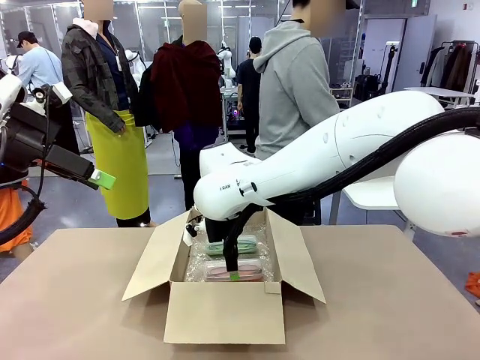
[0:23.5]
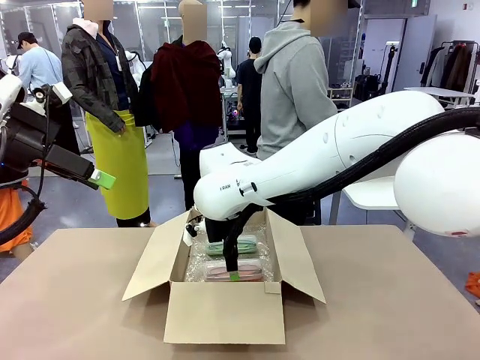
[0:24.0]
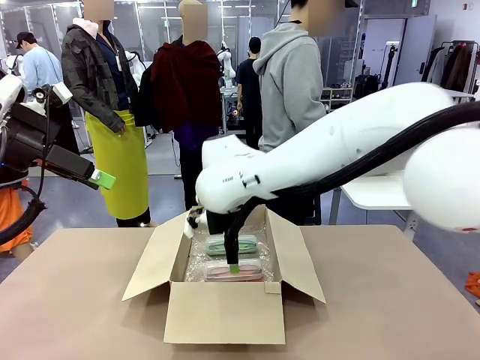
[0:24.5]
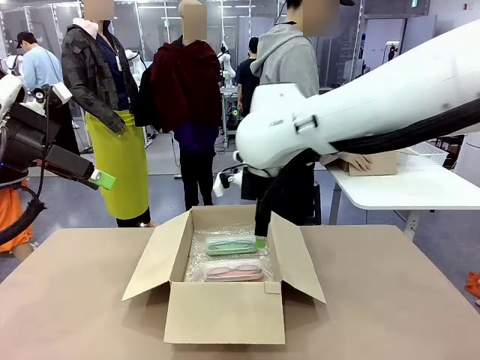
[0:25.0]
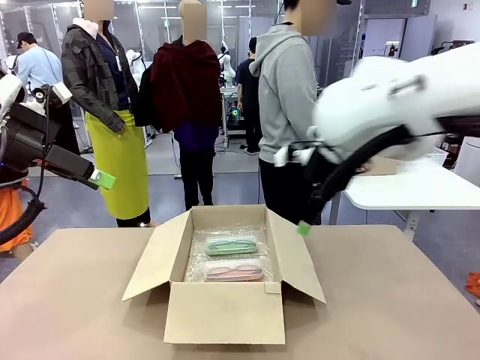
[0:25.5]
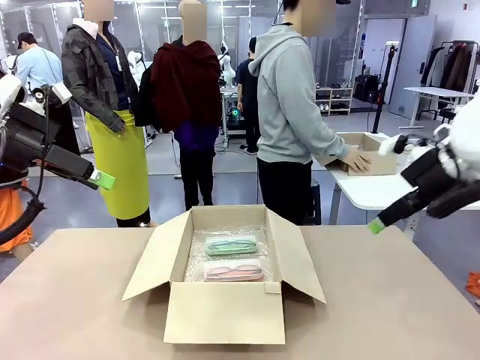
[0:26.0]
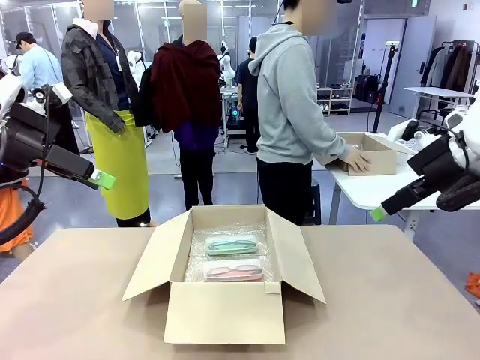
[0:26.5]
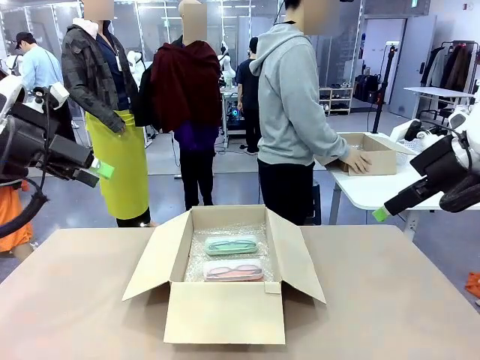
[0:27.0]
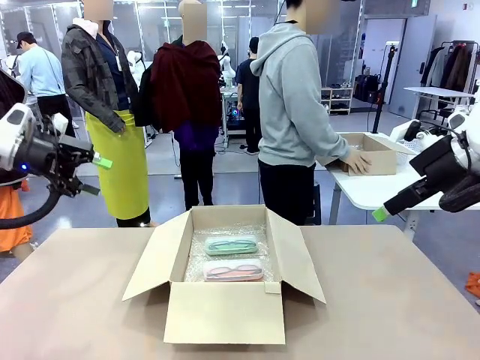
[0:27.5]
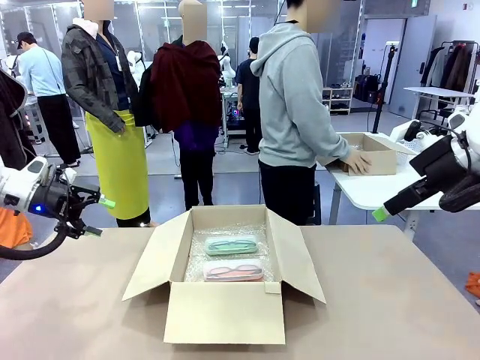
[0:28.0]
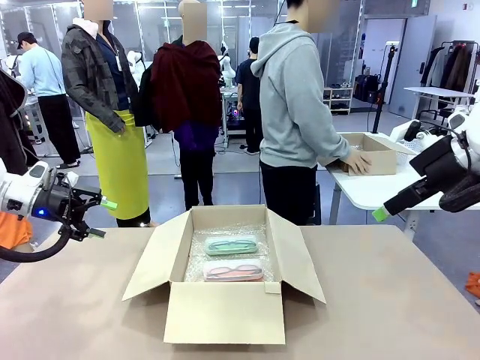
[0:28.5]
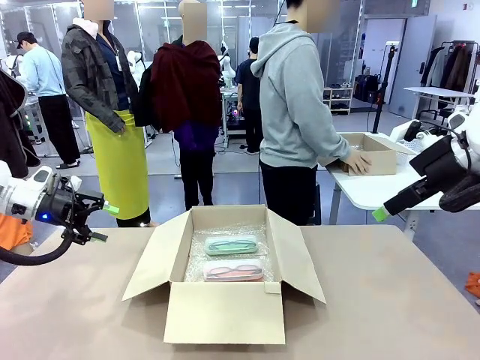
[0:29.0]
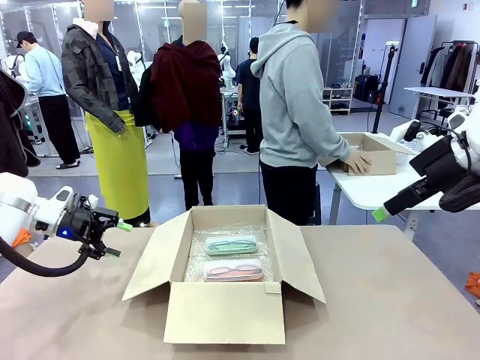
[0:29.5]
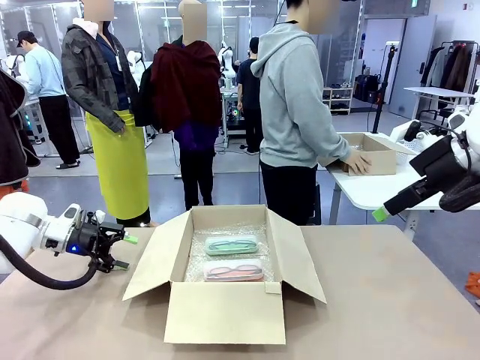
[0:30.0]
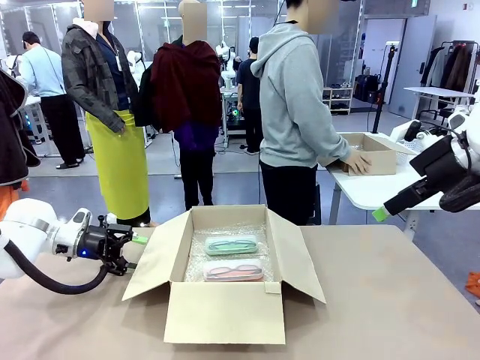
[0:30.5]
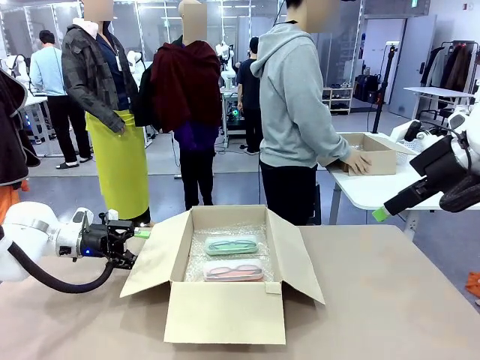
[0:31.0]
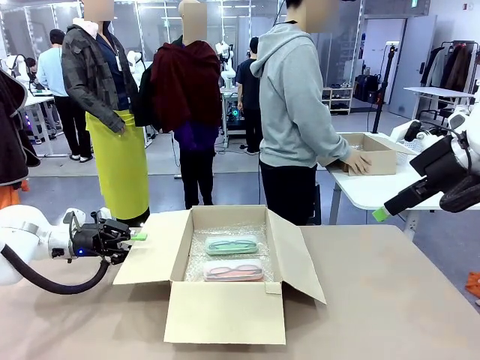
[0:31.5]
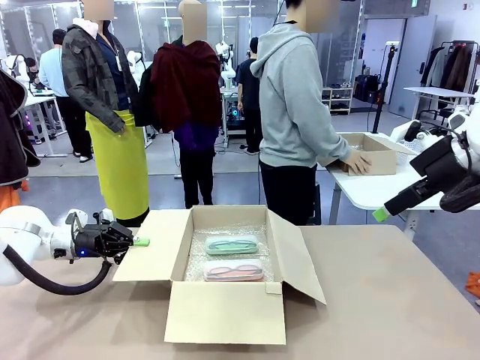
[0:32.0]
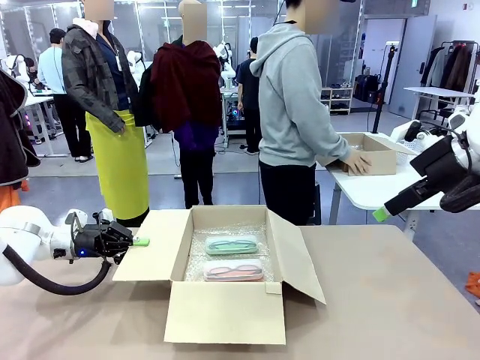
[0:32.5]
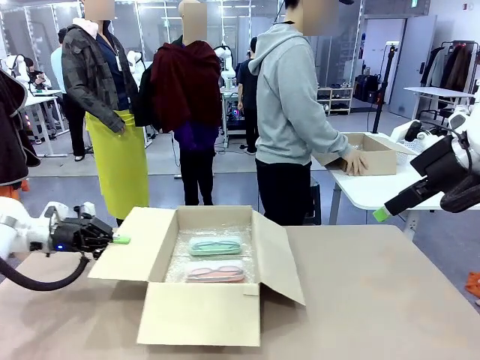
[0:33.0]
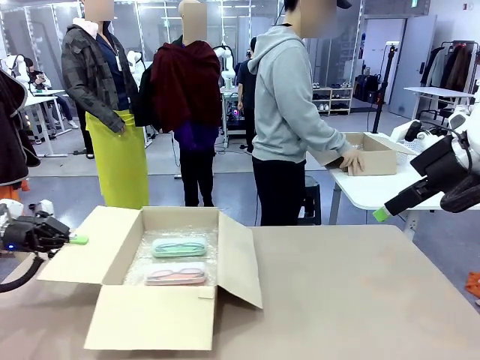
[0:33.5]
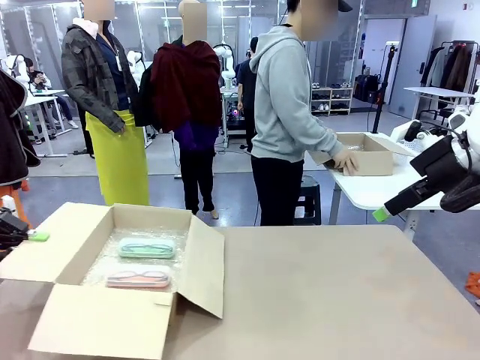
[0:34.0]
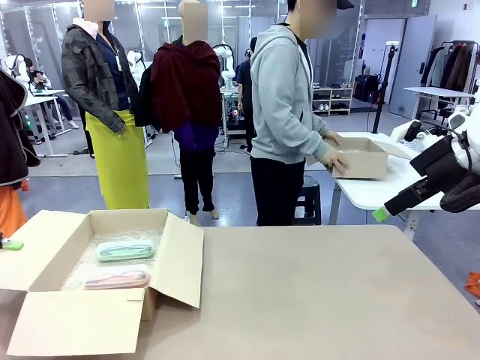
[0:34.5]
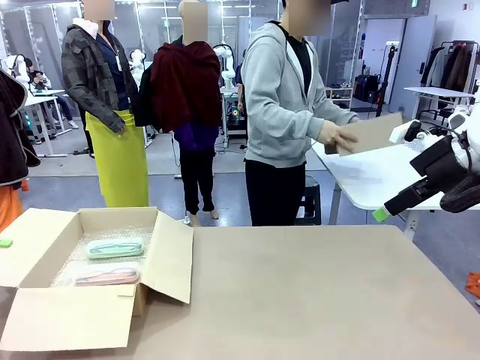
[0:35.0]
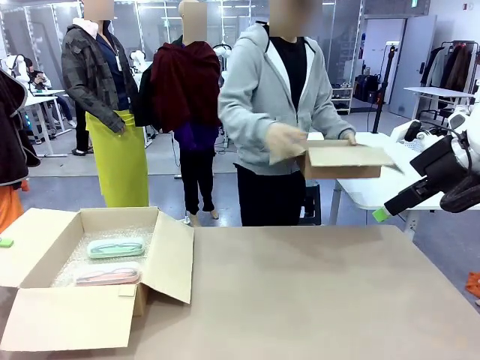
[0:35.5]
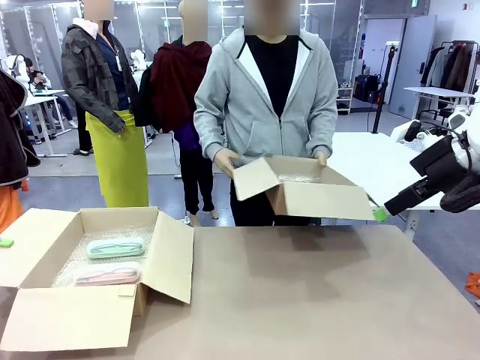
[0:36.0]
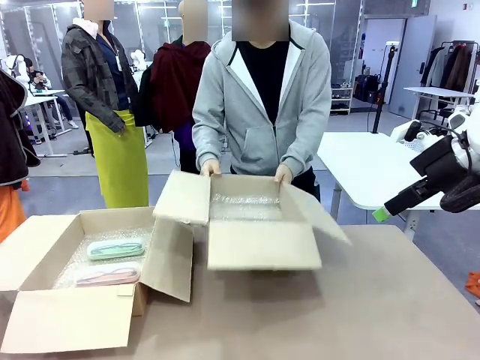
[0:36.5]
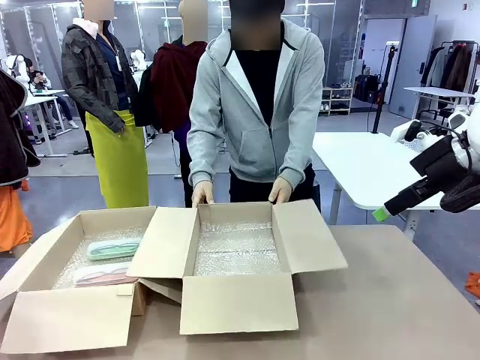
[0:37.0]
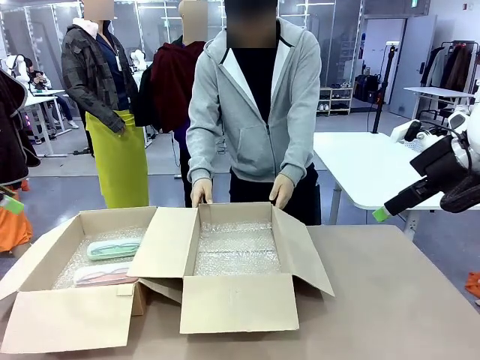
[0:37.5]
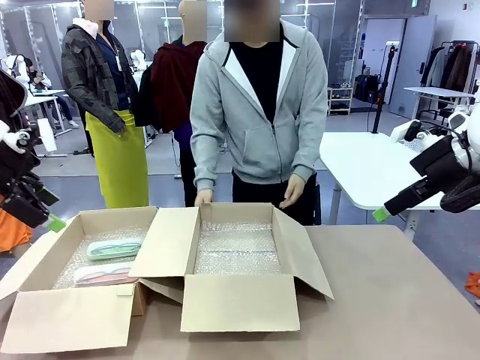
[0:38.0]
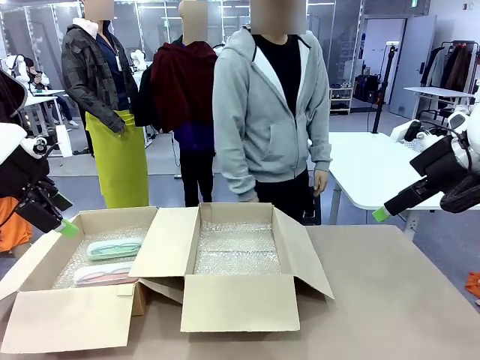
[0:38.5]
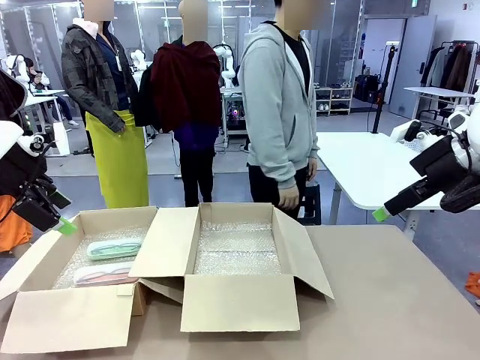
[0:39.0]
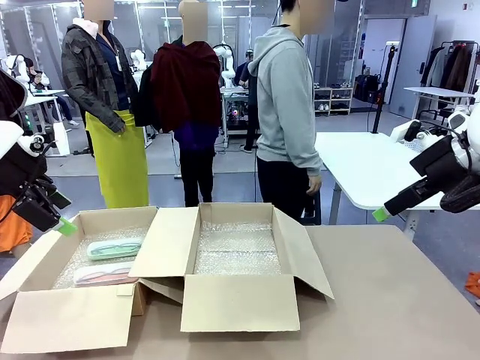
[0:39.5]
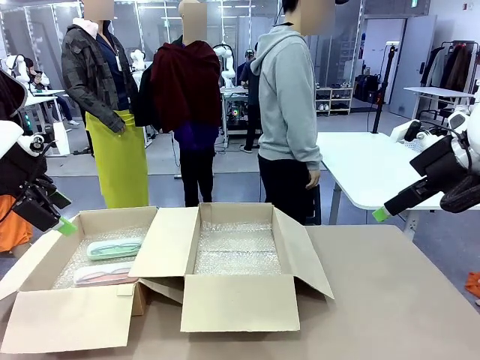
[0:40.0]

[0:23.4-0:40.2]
Task: Pack the glasses set securely to prepare it for shipping.
Robot: Position the Package Box on the left side of the table.
Person: Position the empty Package Box in the middle of the robot's table.

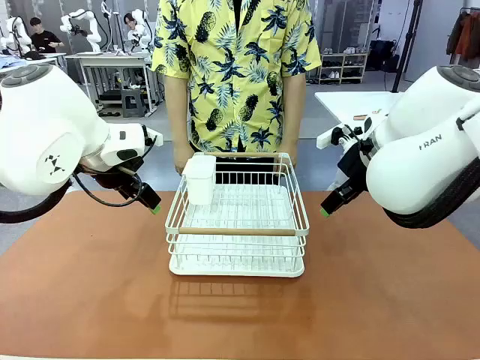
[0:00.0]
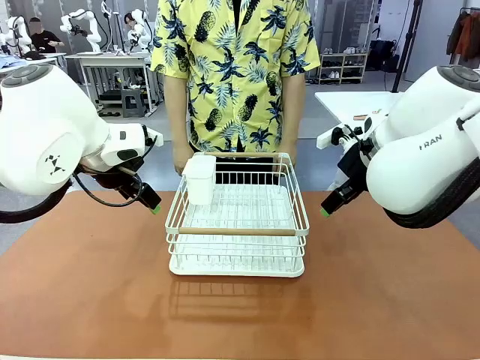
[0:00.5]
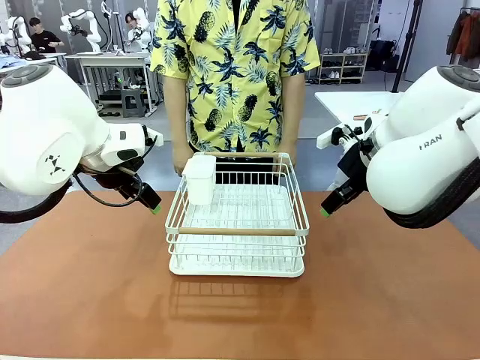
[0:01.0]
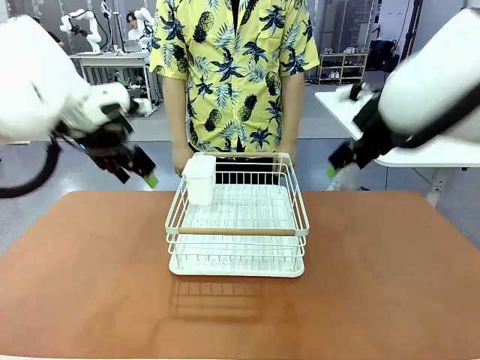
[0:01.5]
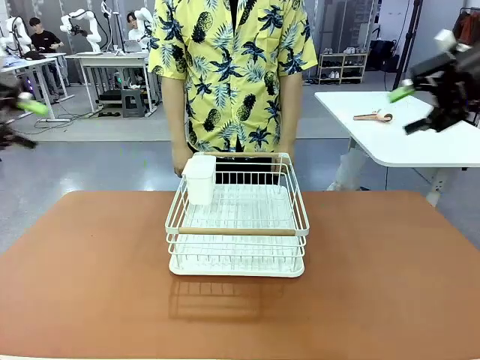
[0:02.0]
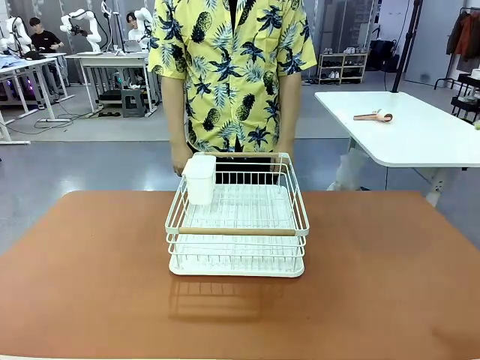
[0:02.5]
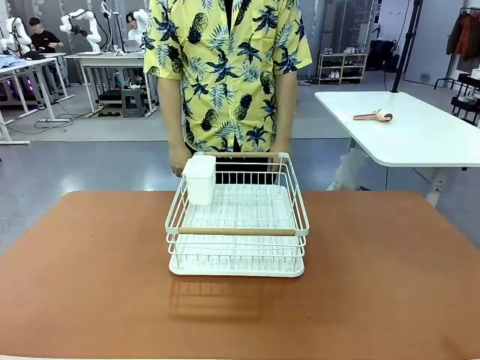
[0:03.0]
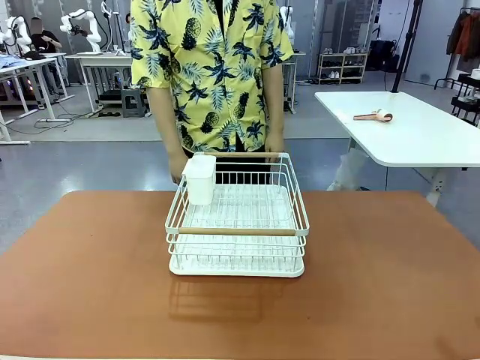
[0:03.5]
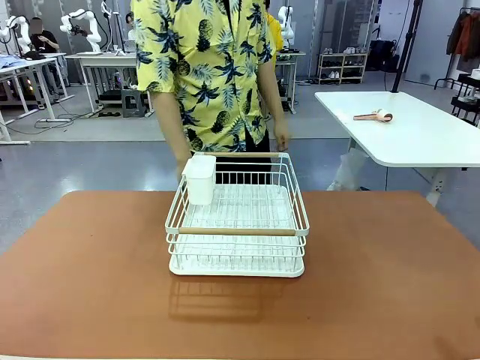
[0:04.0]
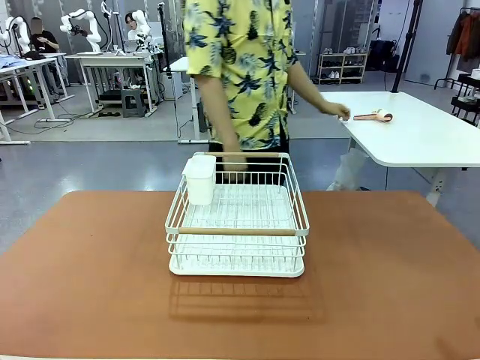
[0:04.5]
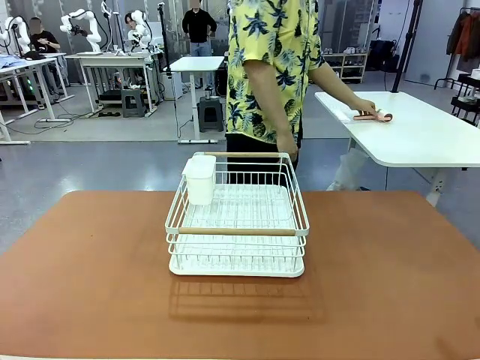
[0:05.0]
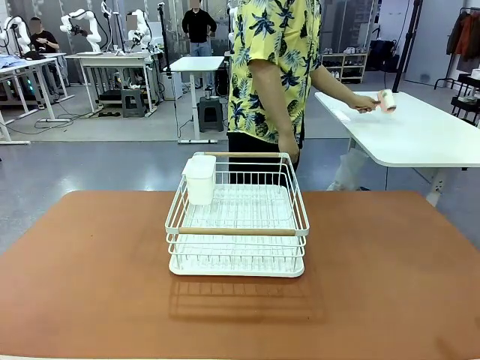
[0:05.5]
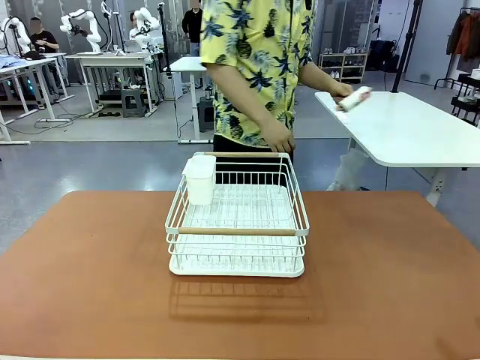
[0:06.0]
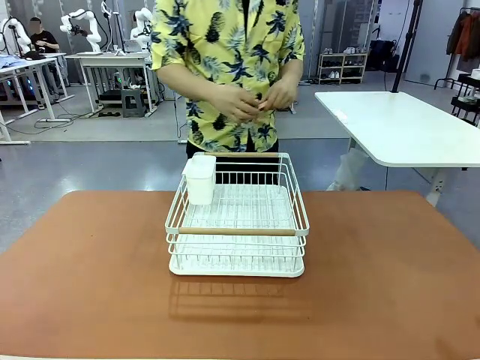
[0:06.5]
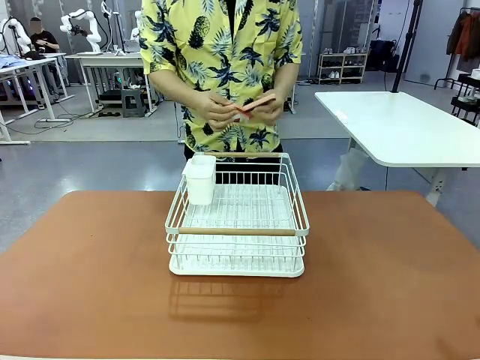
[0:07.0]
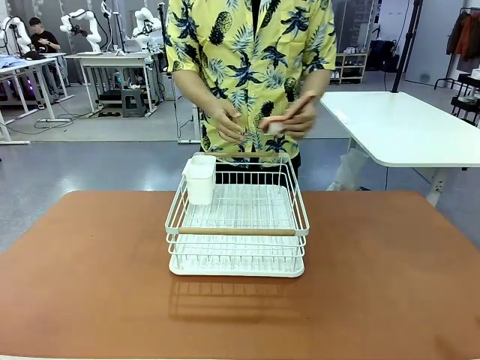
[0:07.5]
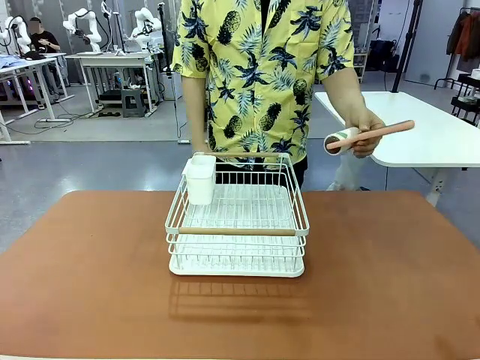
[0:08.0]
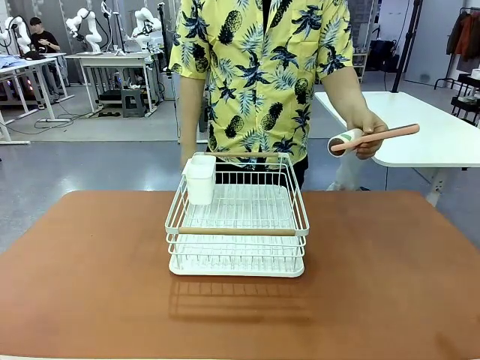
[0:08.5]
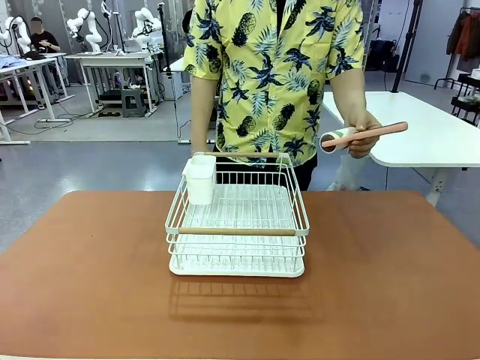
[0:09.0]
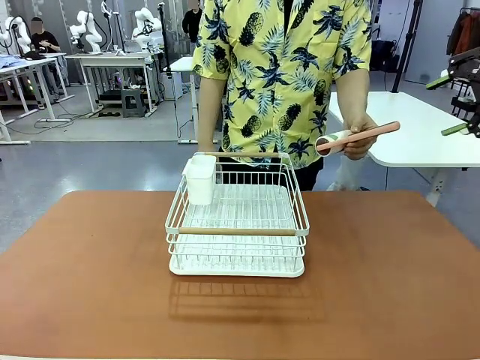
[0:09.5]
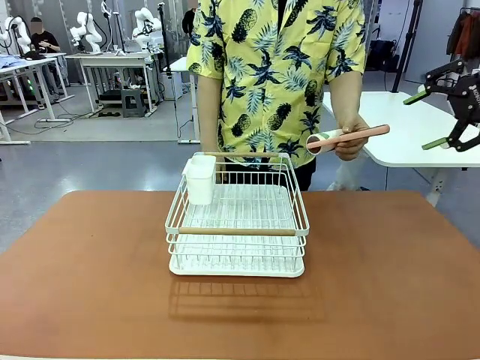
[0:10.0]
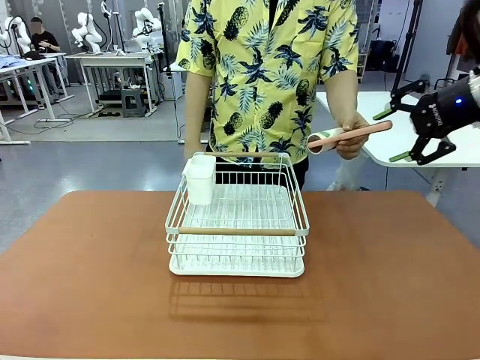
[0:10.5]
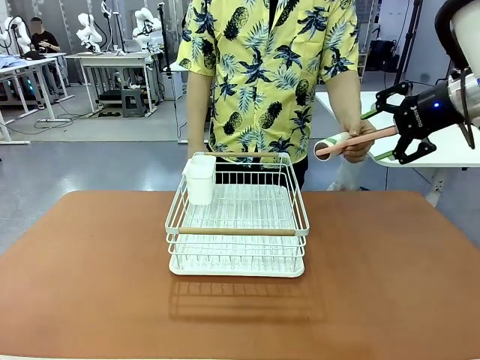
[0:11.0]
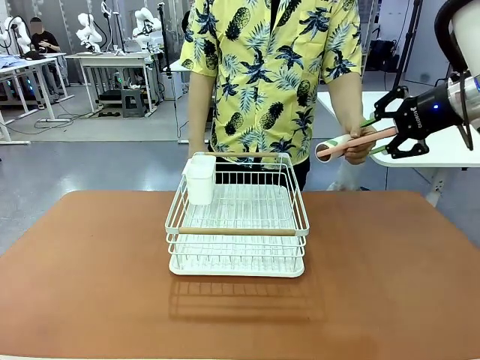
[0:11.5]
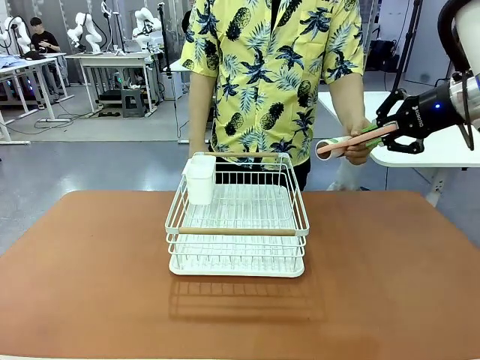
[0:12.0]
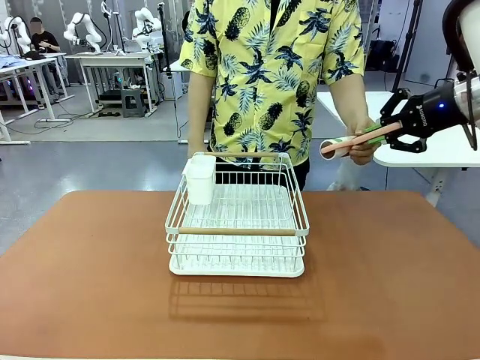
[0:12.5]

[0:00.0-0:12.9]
Task: Clean the table.
Robot: Pick up the Lint Roller when the human hands it over.
Person: Hand the Lint Roller to the robot so it can easily pick it up. Lift the Dish drying rack.
